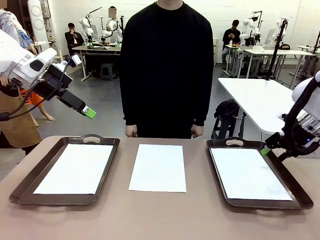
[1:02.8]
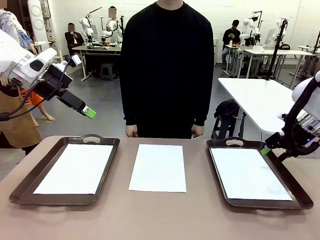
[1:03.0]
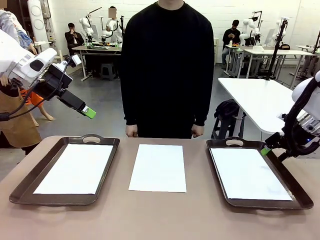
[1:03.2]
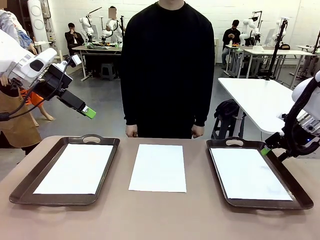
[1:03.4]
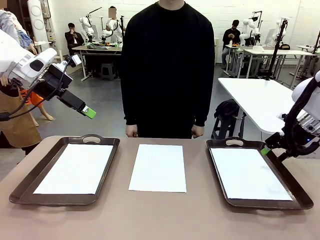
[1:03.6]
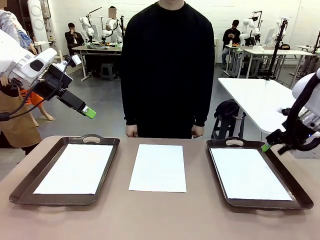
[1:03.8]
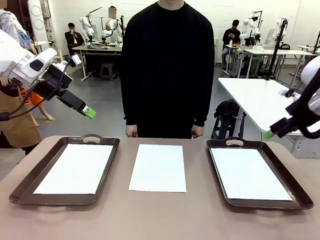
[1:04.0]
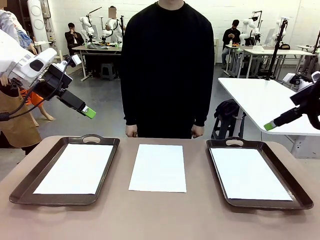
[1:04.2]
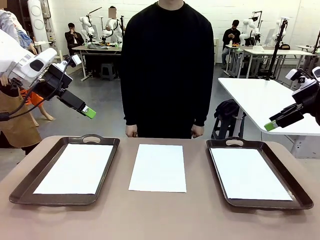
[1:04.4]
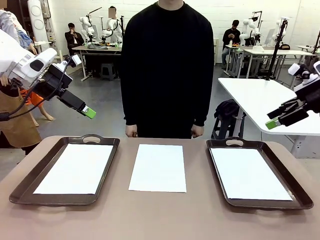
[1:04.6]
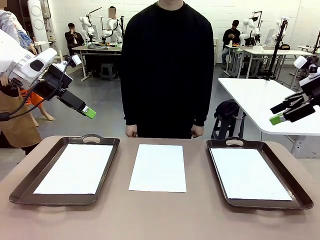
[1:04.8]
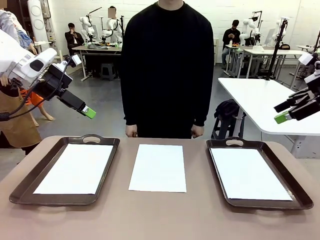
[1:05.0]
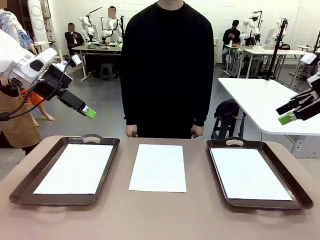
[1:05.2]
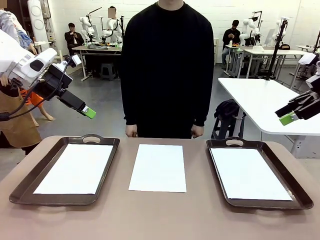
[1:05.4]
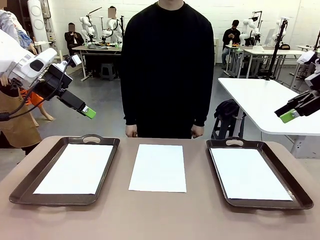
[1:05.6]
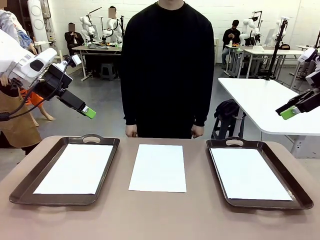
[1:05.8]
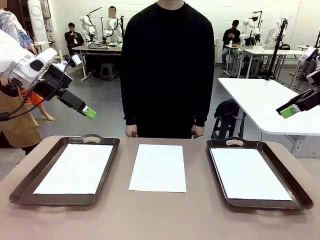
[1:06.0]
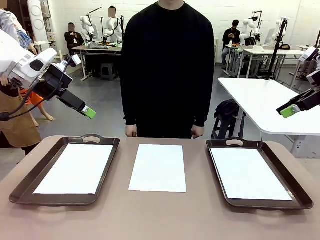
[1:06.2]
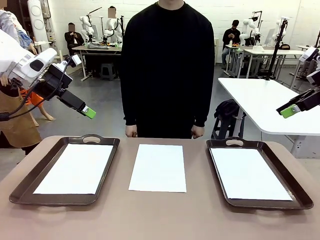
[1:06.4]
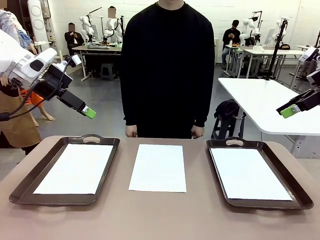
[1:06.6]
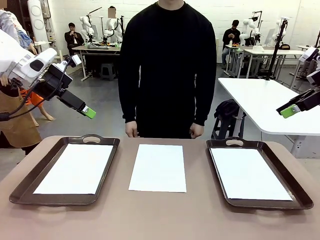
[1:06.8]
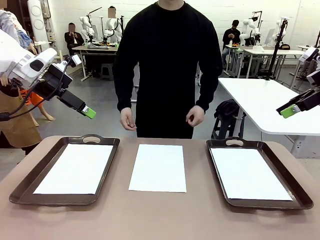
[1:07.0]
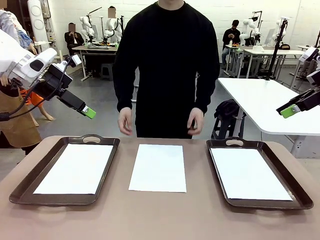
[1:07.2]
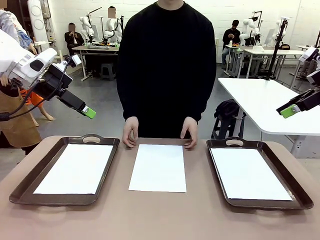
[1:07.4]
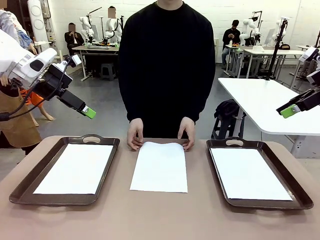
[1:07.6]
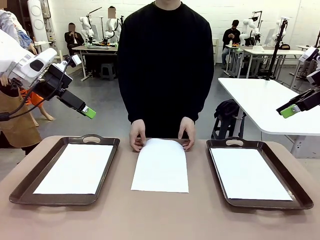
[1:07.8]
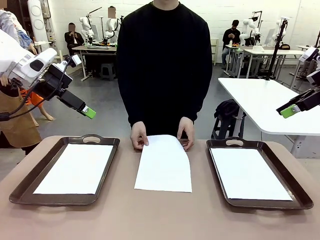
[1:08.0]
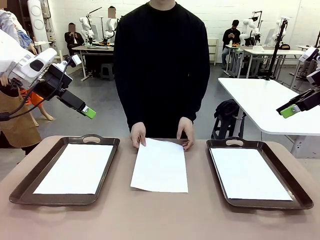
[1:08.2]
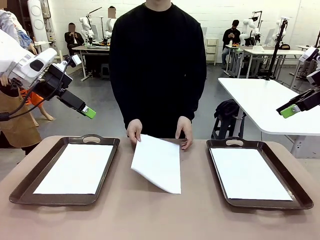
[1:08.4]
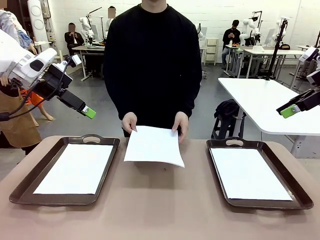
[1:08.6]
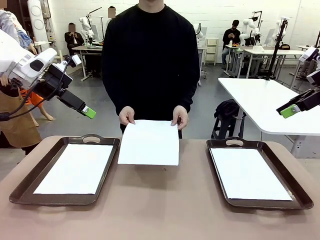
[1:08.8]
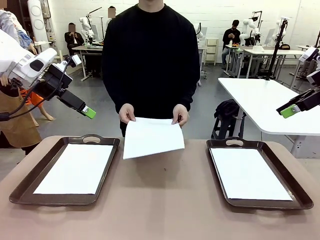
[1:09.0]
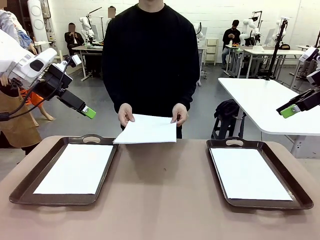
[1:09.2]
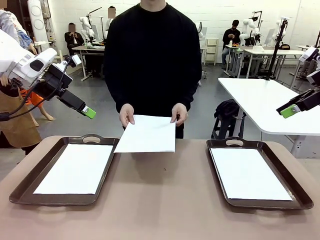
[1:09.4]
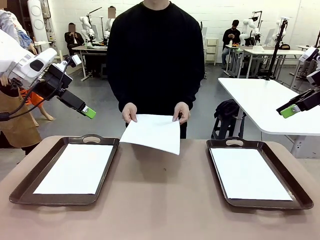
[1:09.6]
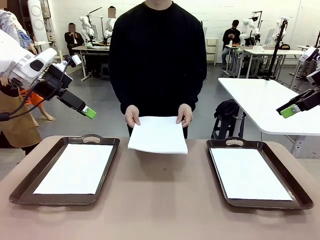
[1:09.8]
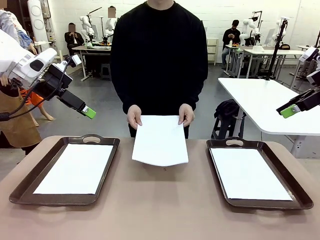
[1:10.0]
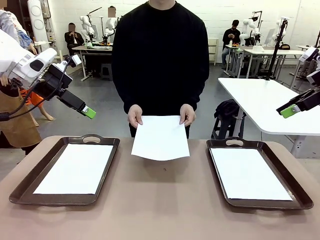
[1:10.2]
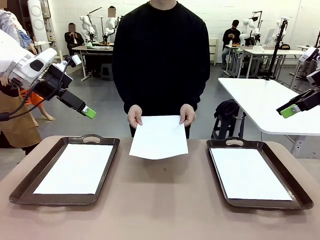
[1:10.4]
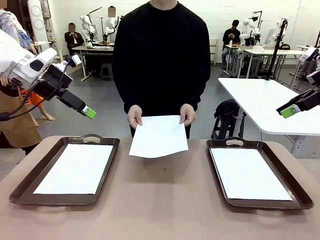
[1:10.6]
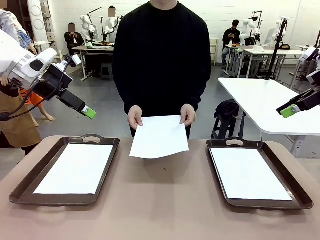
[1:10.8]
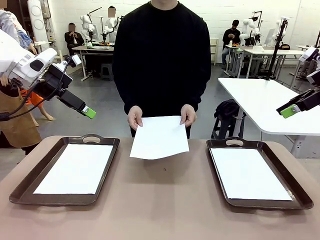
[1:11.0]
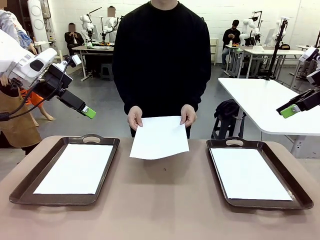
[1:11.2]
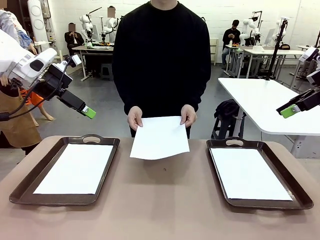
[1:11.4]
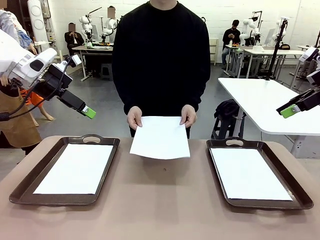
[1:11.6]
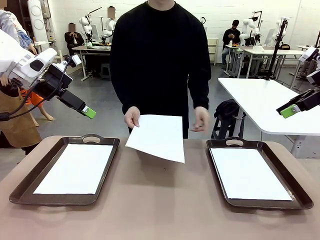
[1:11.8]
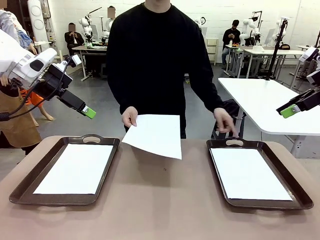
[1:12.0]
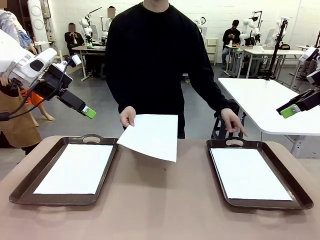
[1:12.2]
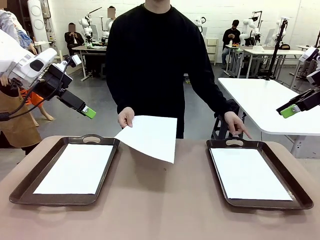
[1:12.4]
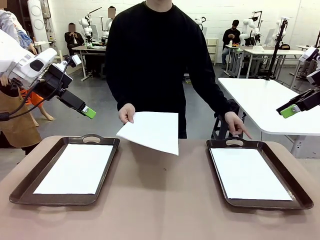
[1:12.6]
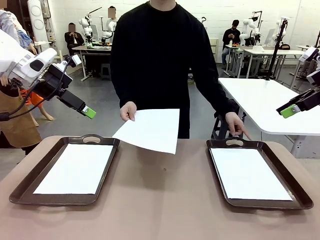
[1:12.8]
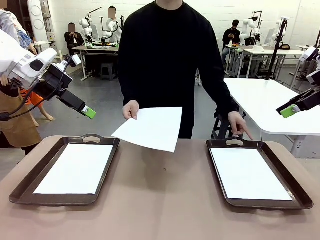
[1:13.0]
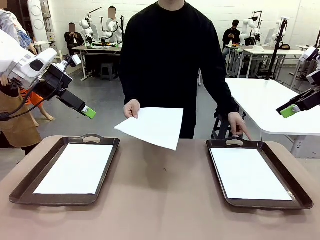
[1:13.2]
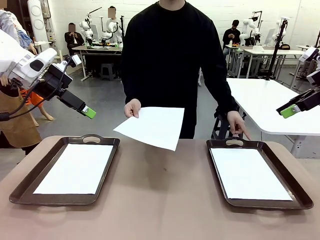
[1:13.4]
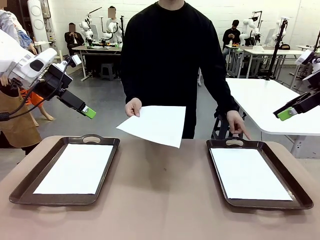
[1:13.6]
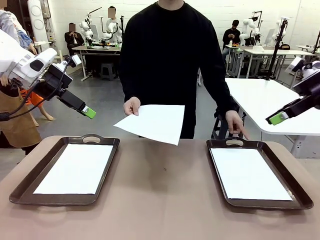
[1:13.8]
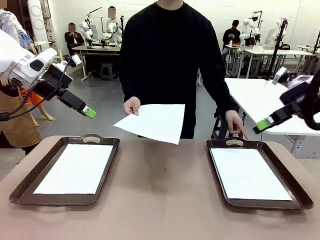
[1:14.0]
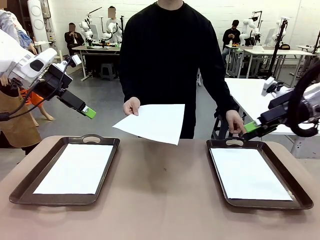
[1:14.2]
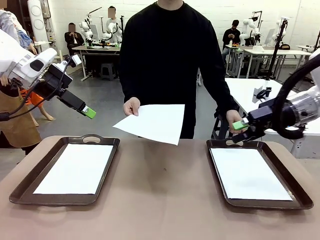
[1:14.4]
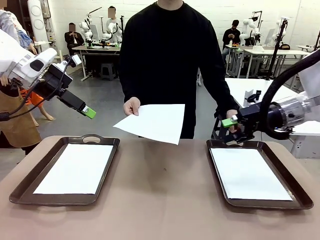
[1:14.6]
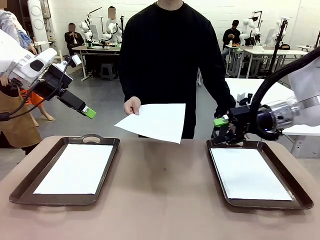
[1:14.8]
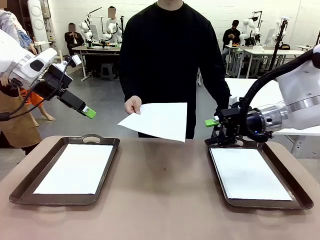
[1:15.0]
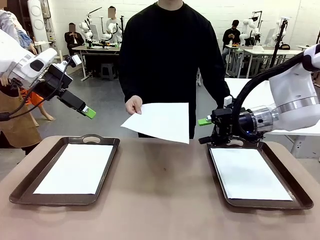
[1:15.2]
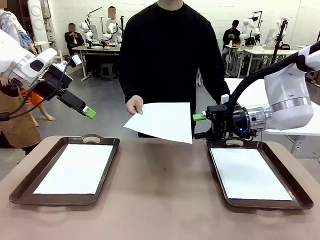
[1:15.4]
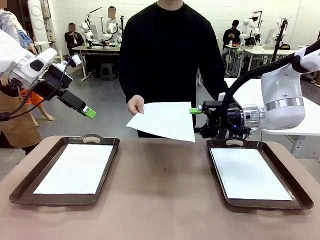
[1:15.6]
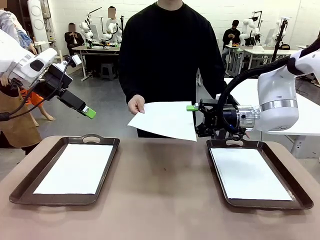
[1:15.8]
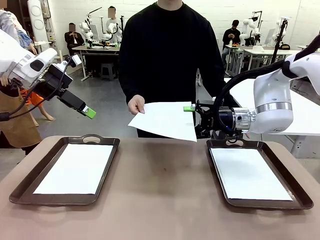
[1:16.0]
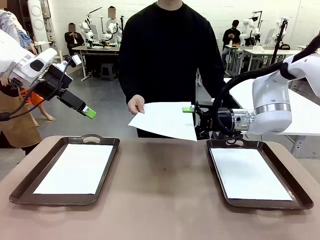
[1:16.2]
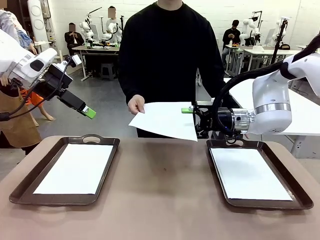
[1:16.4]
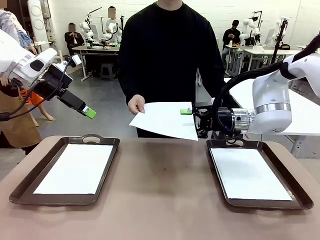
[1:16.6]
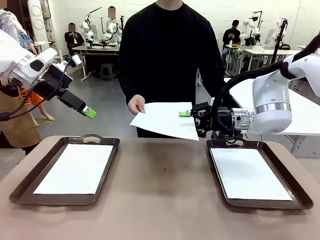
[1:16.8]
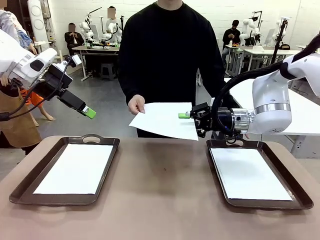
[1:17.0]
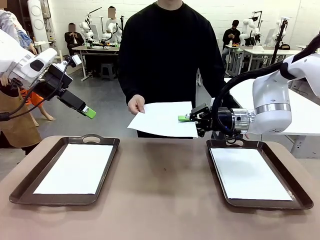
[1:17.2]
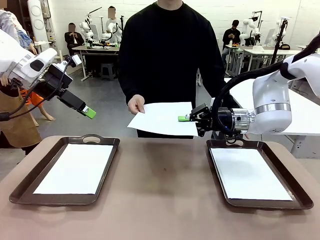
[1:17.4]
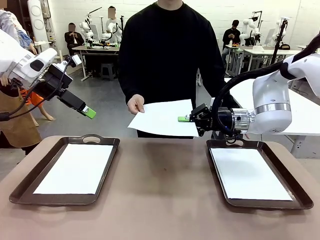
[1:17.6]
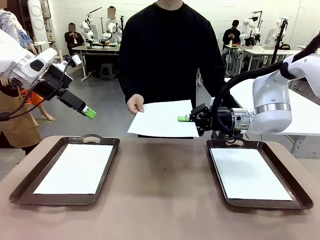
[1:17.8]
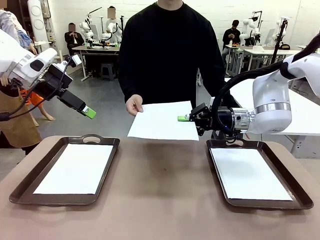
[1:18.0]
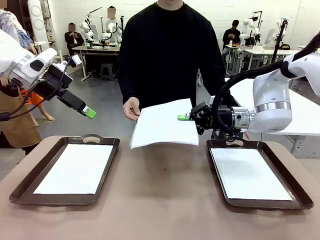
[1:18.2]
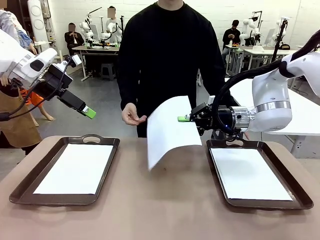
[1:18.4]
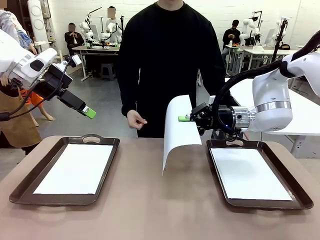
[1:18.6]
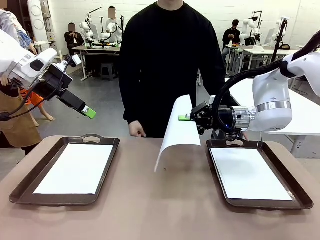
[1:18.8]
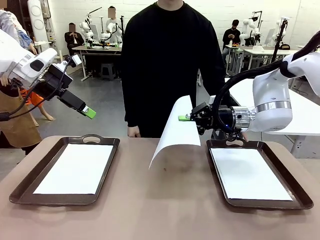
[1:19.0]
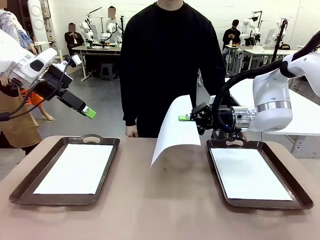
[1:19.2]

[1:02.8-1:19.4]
Task: Sort the A4 documents.
Robot: Receive the A4 Paper.
Person: Point the randomly selected tray with the other hand.

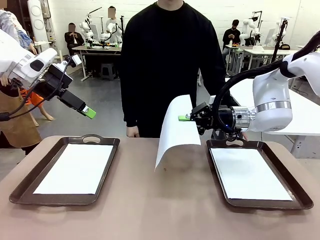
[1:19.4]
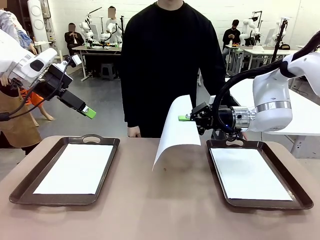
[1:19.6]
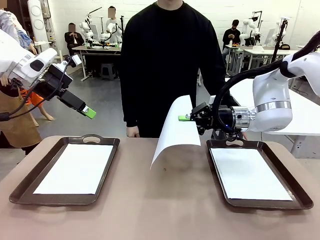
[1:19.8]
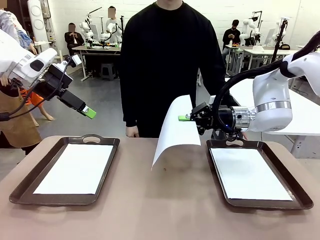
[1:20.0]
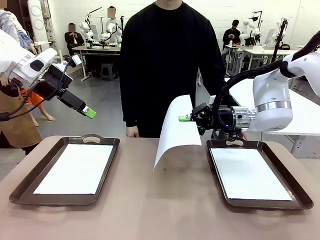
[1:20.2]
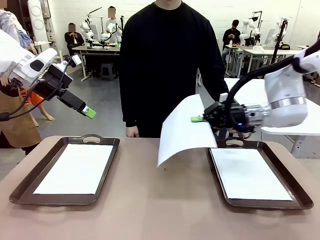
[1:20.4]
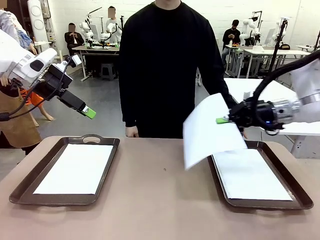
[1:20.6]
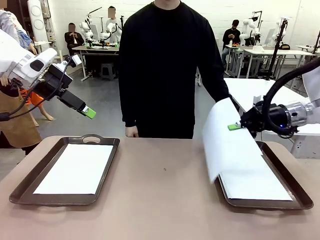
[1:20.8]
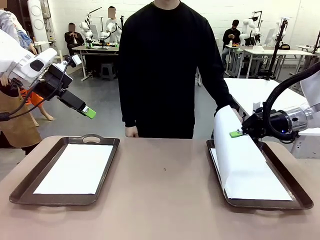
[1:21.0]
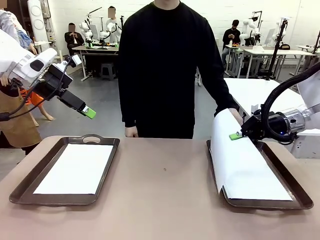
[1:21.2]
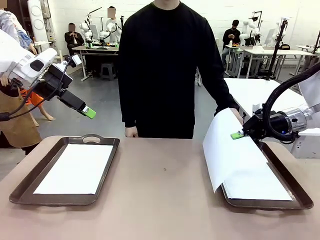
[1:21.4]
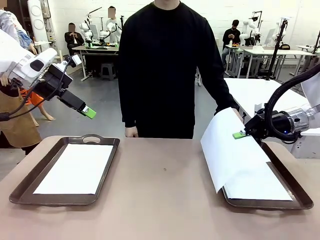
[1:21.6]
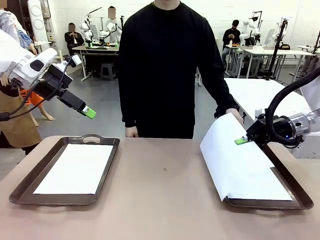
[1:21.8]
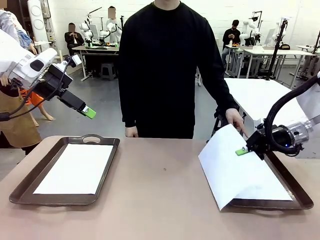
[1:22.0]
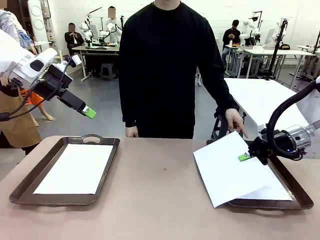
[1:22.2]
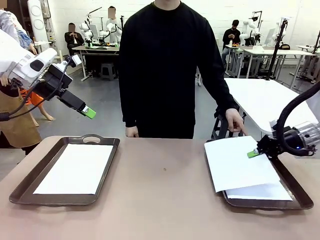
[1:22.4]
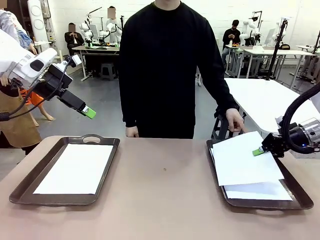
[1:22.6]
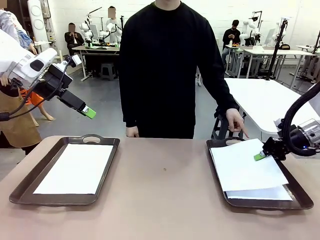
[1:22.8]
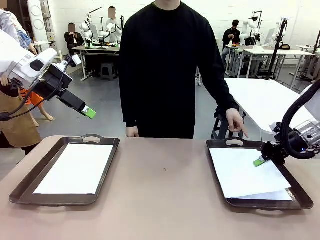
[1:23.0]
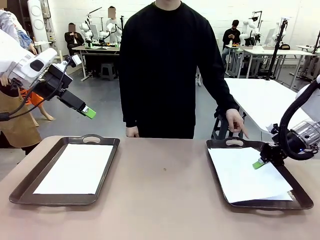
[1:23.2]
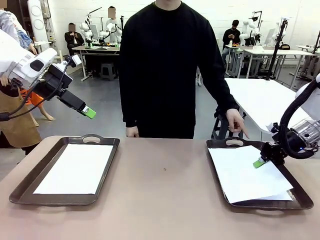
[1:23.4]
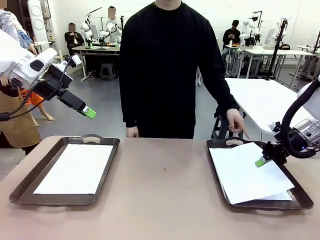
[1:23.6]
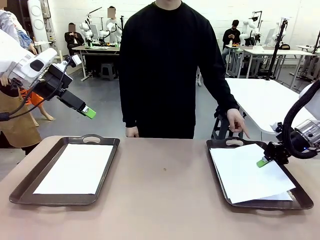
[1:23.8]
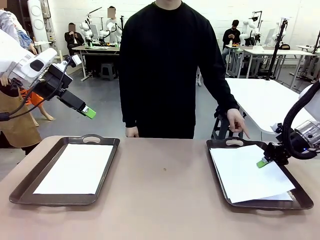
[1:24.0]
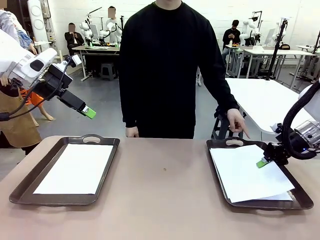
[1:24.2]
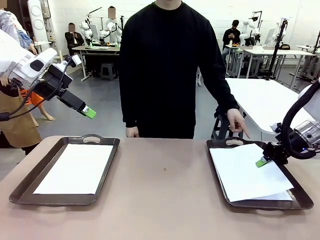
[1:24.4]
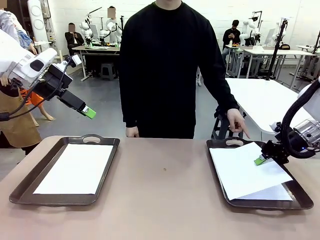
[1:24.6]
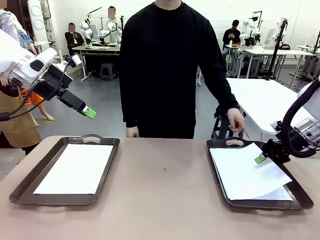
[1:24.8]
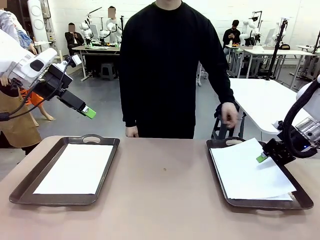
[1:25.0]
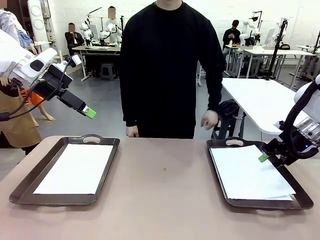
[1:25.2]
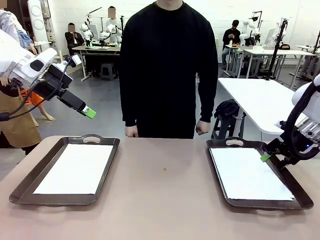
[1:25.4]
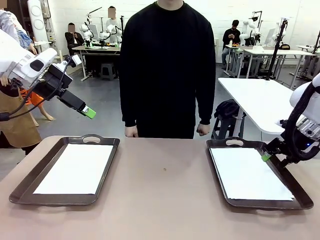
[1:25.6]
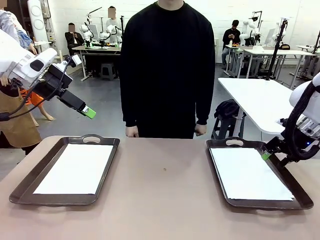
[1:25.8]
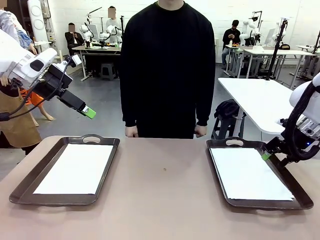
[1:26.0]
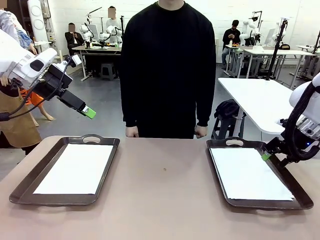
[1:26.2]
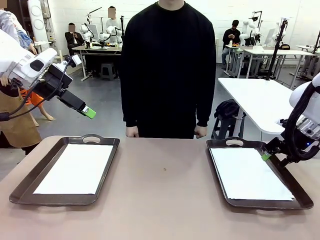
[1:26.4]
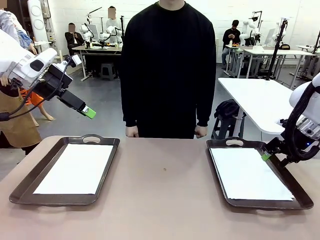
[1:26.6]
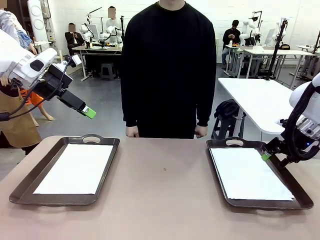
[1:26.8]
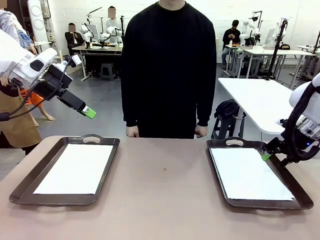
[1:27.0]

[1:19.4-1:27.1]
Robot: Place the A4 Paper in the designated Handle tray.
